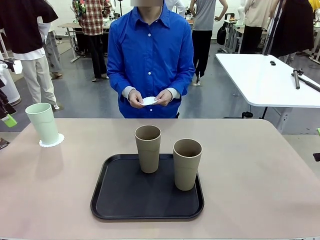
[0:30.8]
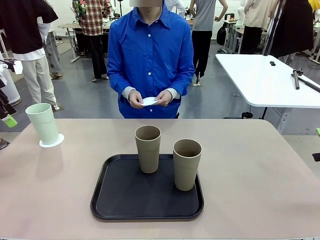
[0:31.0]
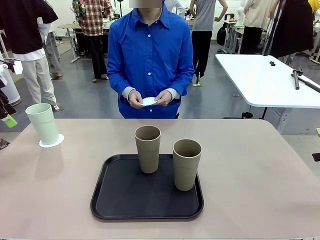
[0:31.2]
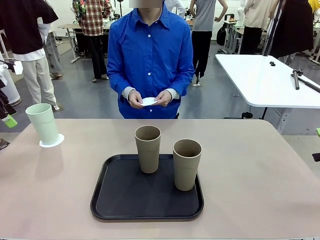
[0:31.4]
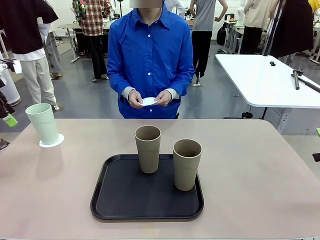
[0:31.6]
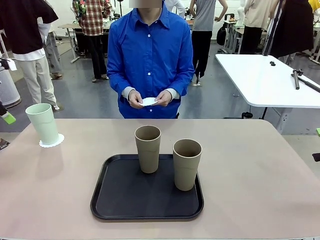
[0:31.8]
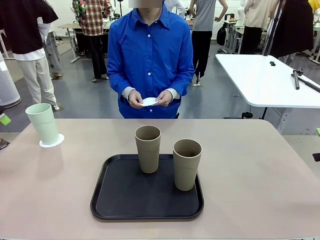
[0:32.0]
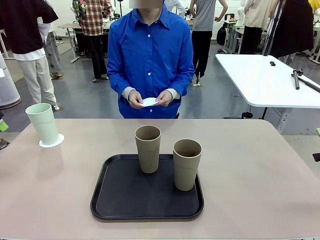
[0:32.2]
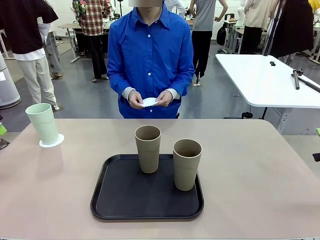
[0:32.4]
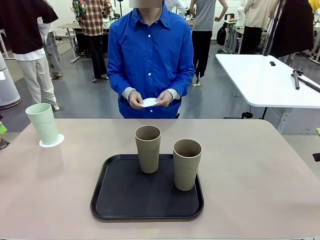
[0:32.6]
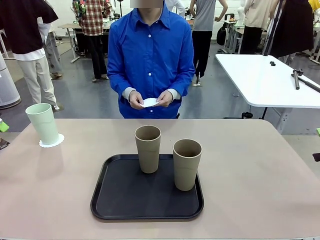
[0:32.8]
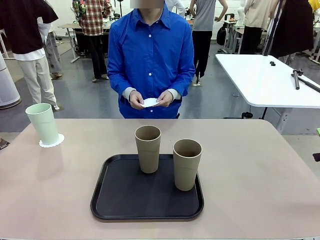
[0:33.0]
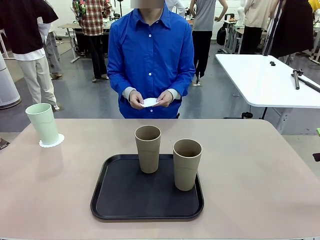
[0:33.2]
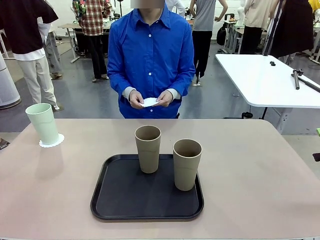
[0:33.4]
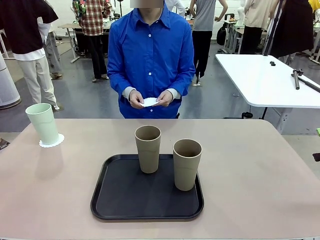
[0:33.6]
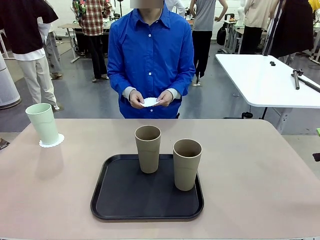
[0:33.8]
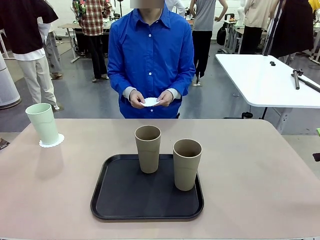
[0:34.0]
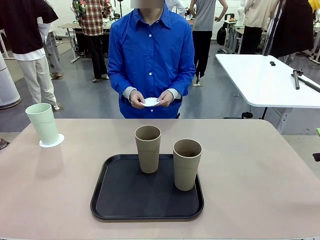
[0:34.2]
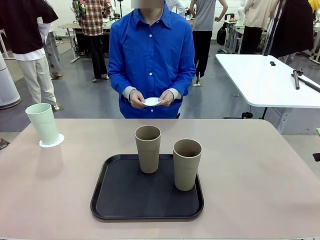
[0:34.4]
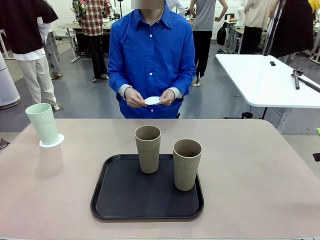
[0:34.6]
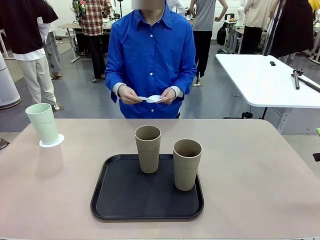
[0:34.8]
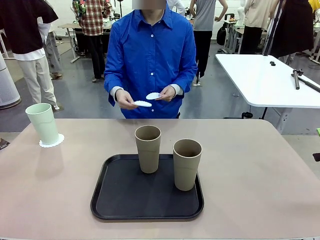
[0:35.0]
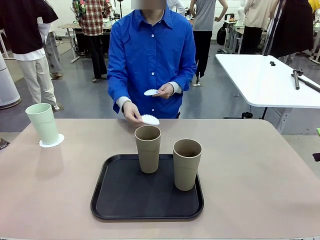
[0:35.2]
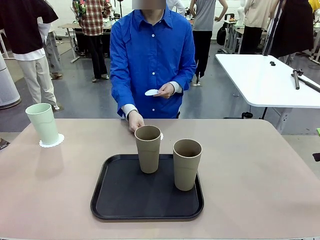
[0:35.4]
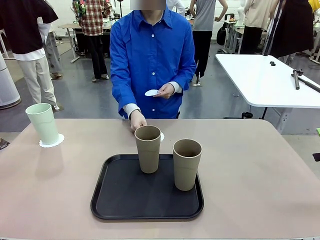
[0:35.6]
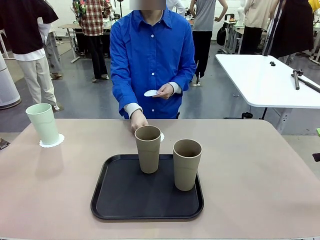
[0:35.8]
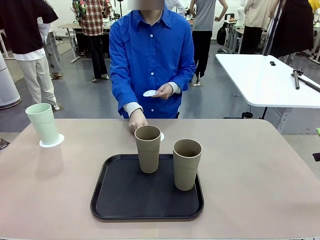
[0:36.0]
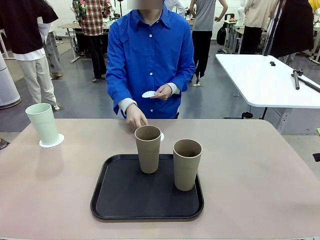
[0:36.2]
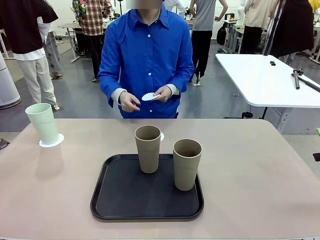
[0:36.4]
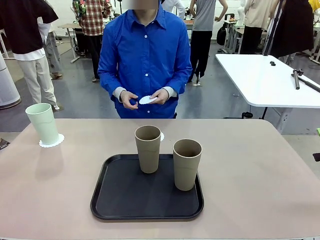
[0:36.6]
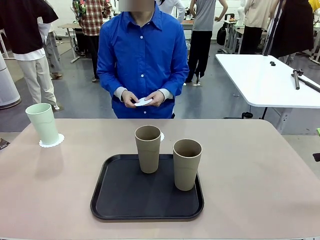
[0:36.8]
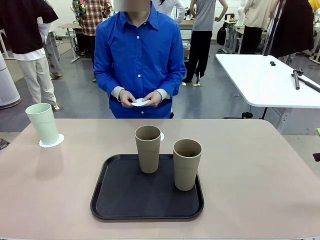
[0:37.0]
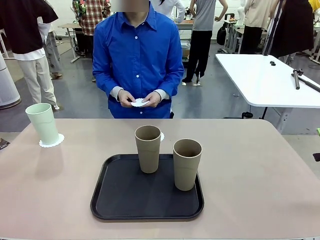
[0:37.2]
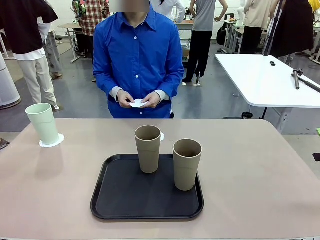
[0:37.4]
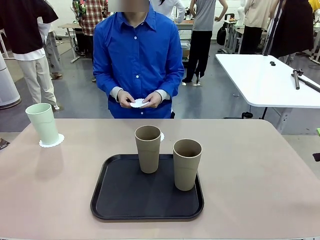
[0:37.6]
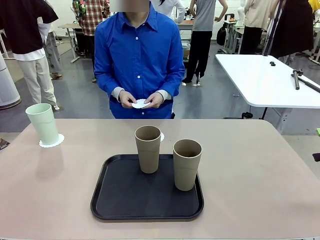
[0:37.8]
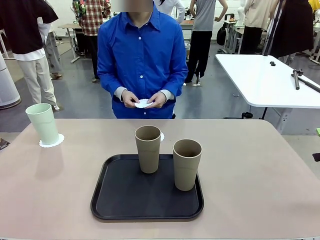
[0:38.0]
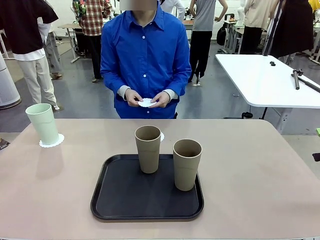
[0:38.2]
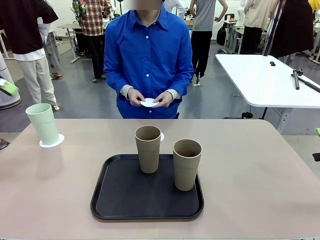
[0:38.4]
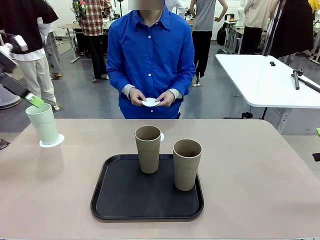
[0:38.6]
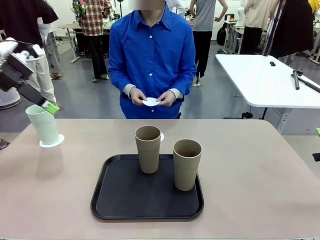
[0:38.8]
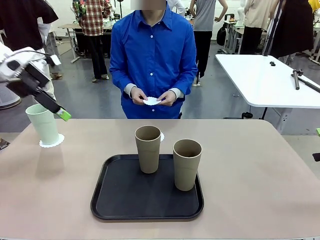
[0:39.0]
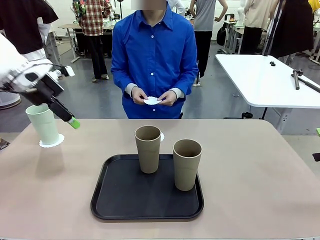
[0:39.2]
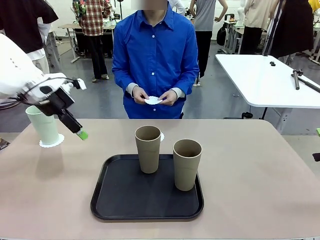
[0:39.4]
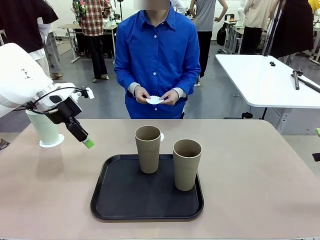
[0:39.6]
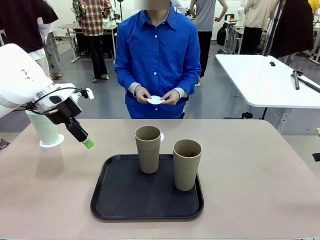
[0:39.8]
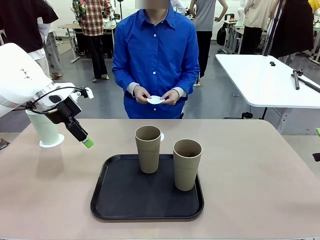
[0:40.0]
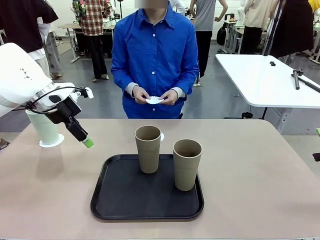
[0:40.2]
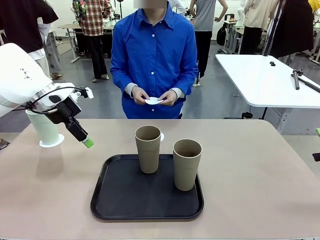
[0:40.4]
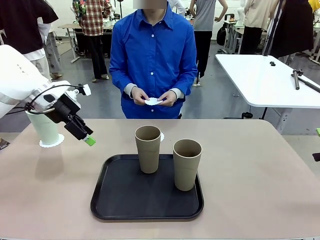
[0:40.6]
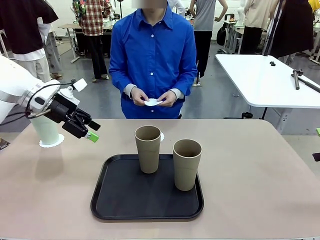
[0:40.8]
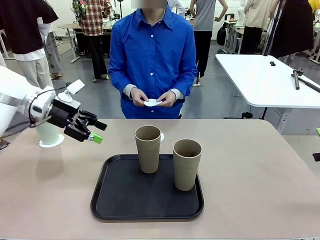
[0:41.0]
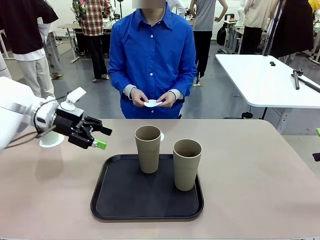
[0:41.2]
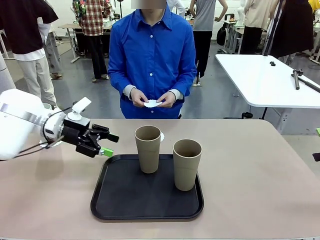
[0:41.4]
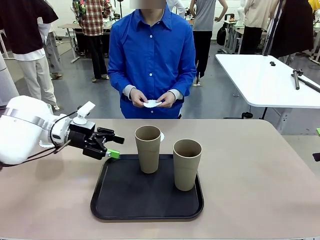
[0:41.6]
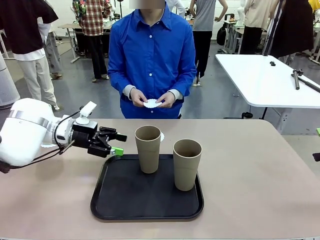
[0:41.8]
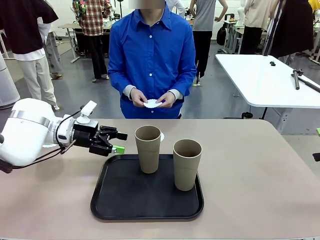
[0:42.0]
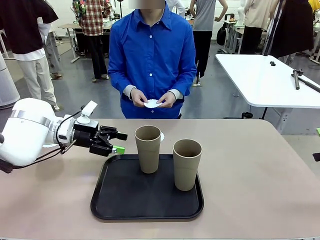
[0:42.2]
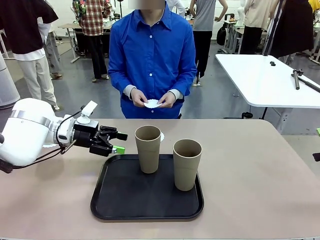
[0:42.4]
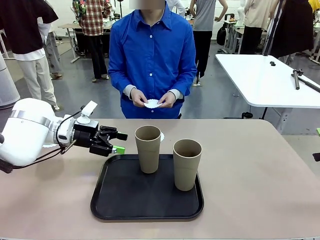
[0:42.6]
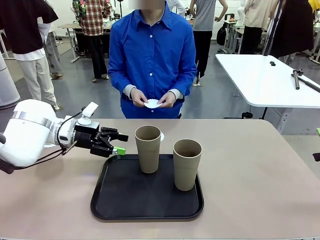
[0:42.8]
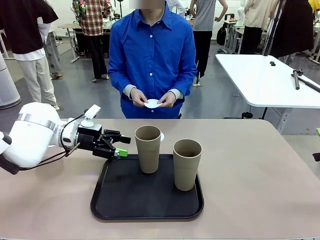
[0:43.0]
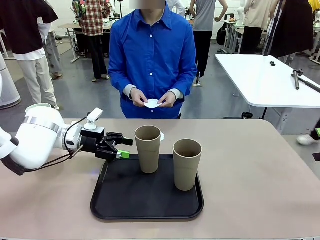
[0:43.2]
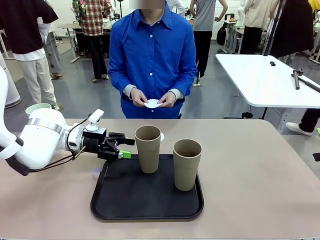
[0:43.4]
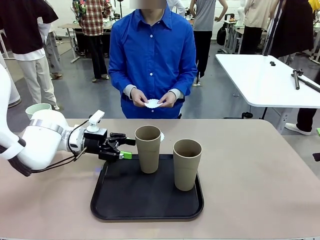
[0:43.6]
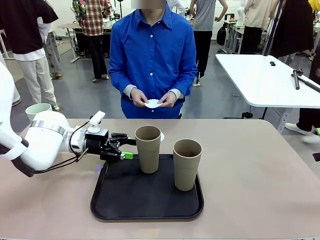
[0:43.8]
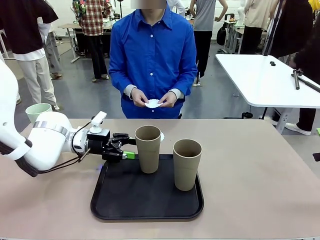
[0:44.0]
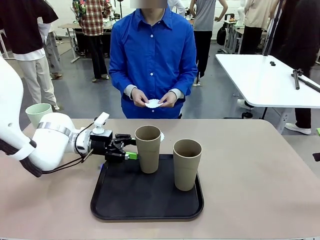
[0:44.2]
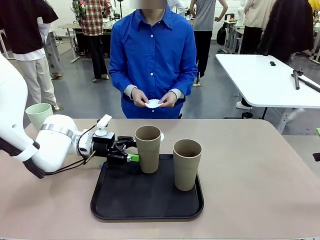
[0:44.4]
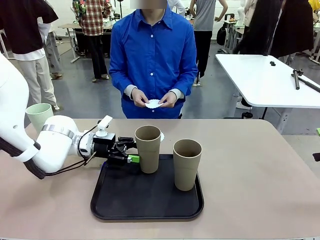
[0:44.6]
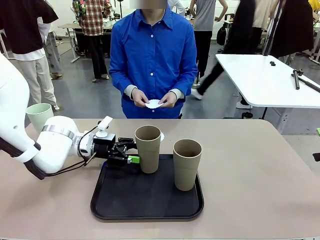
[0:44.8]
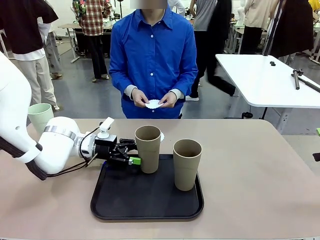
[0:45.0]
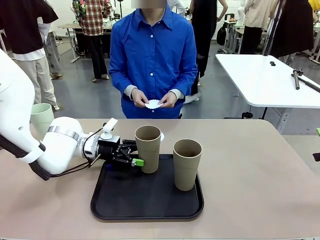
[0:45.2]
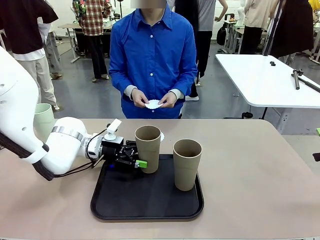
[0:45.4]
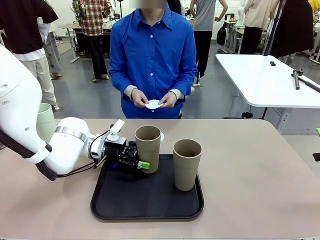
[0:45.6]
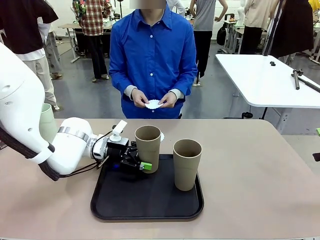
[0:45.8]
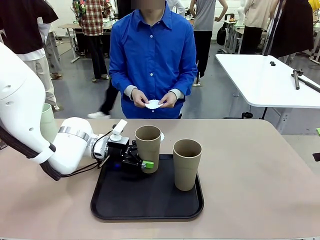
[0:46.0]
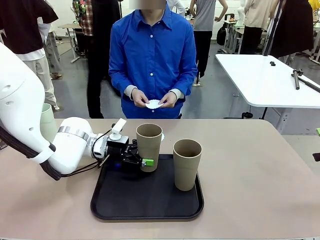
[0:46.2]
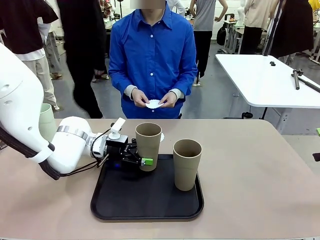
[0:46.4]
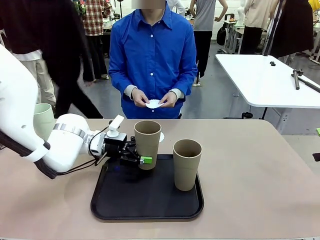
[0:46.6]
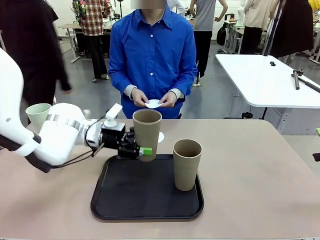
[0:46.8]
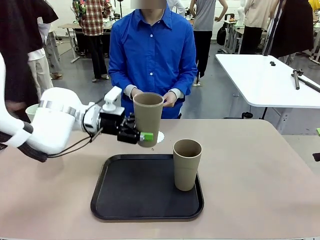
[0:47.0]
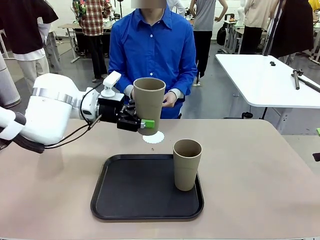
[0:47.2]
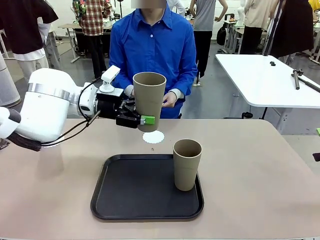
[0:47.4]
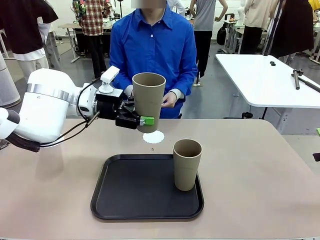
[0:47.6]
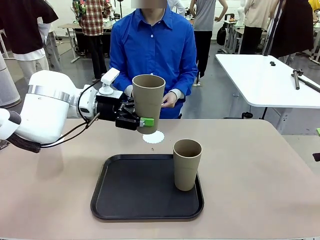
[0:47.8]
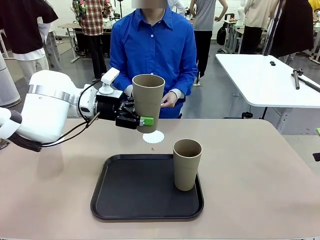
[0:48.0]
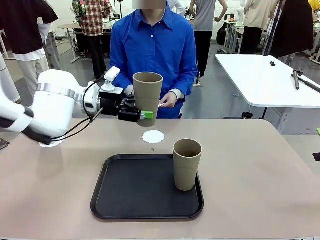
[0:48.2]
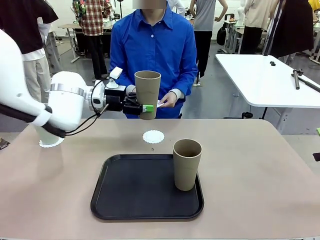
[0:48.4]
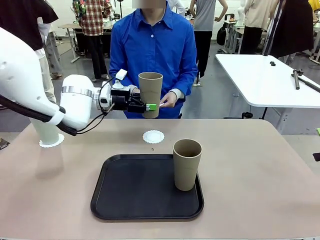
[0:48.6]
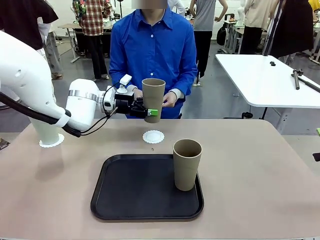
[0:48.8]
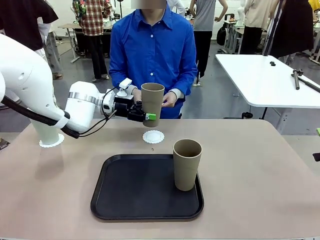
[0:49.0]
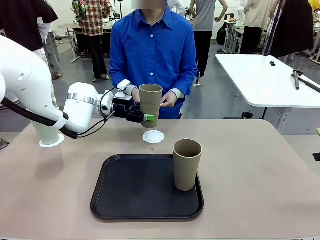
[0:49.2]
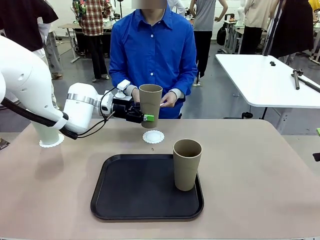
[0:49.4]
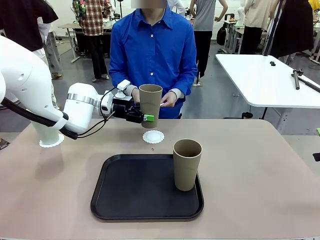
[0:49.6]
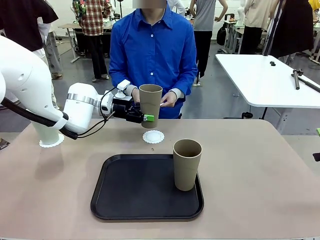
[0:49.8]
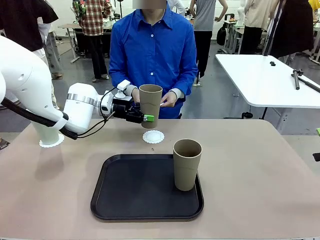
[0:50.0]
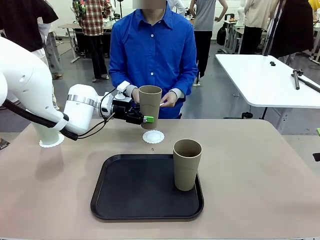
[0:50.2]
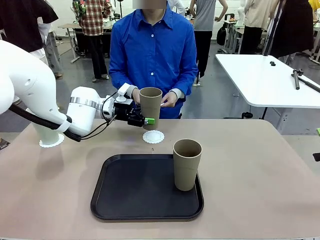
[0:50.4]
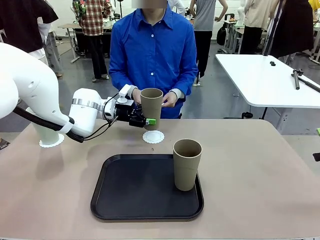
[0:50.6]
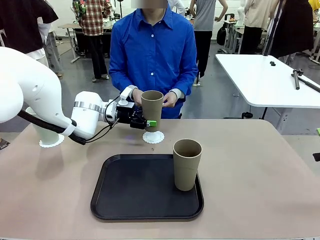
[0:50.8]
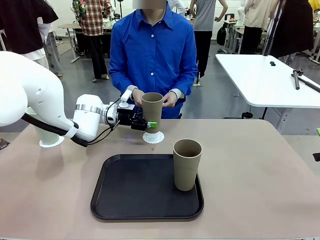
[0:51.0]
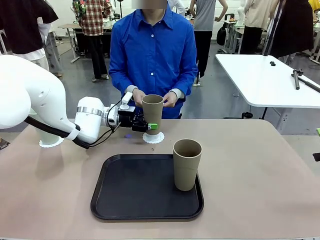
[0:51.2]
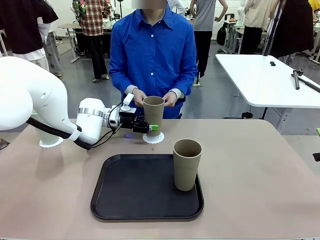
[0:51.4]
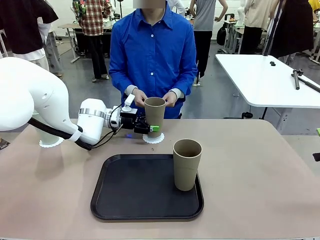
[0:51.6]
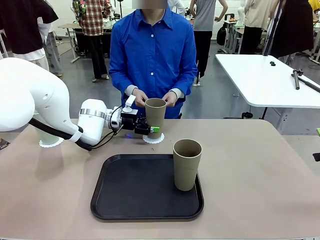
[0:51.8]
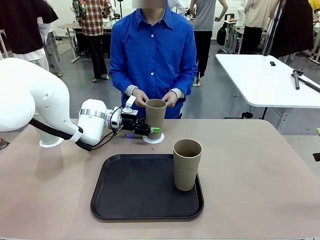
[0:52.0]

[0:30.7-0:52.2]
Task: Place coasters on the table and set cups on them.
Robot: Take one Reusable plastic cup from the Flat Tray and place it on a coaster set by the human.
